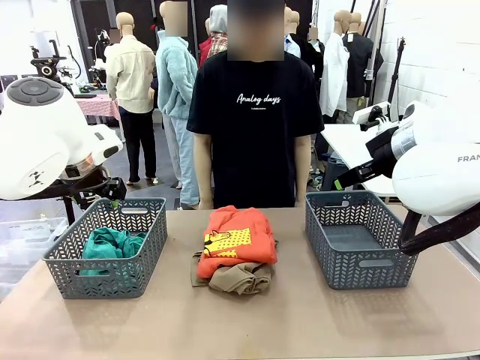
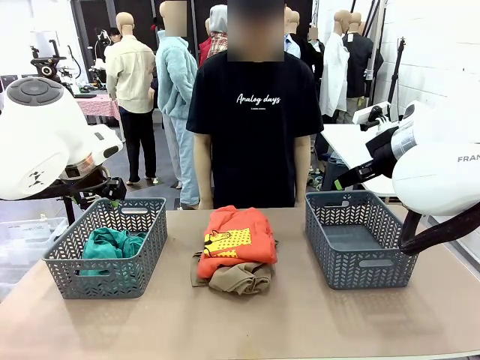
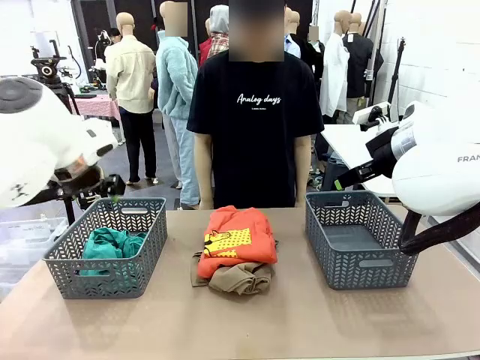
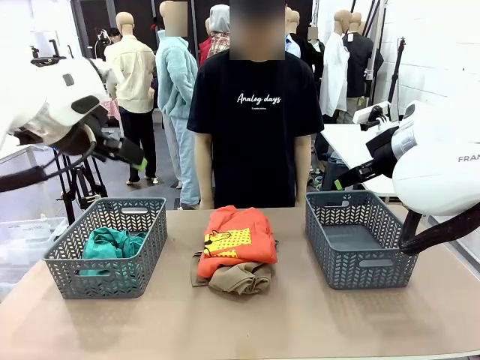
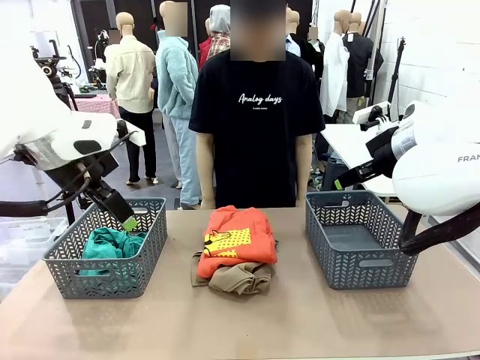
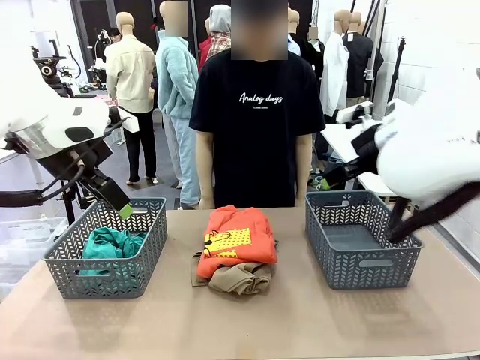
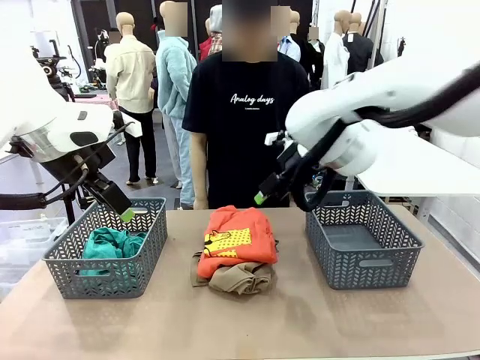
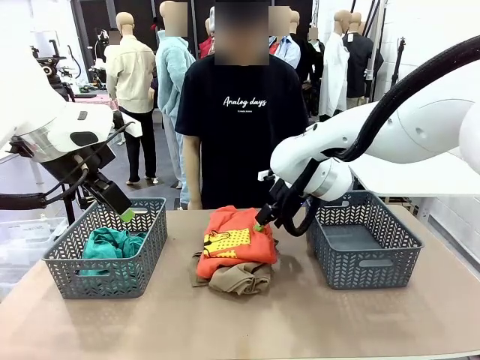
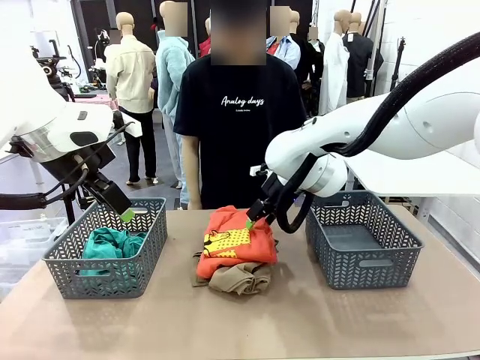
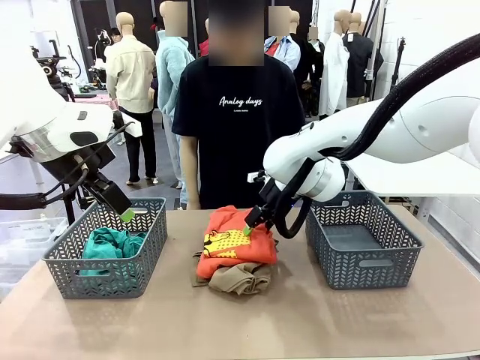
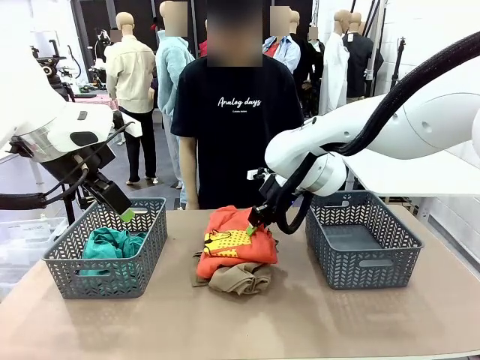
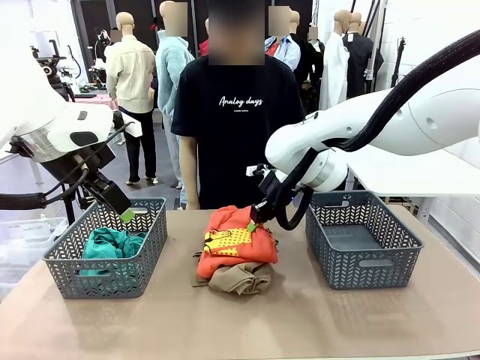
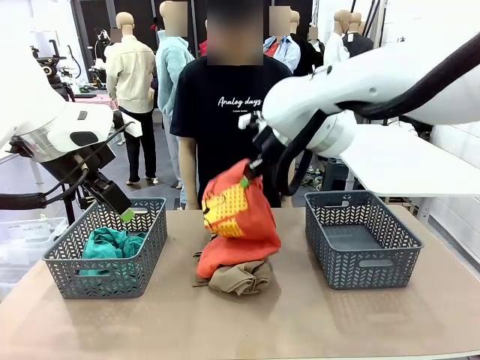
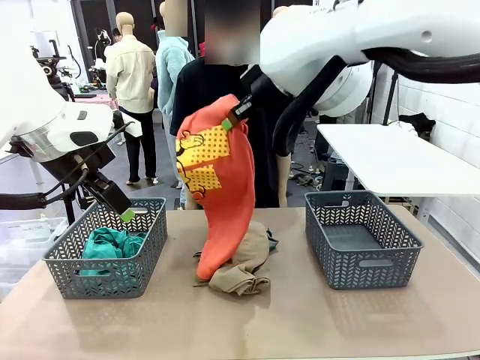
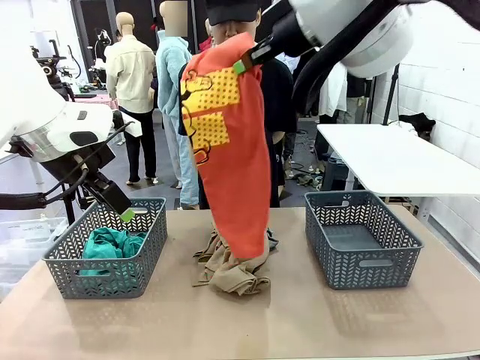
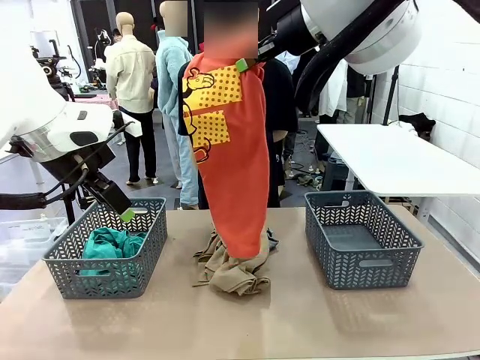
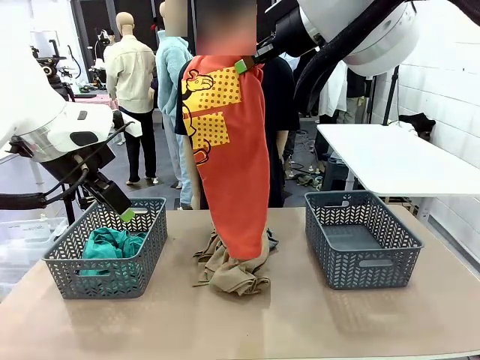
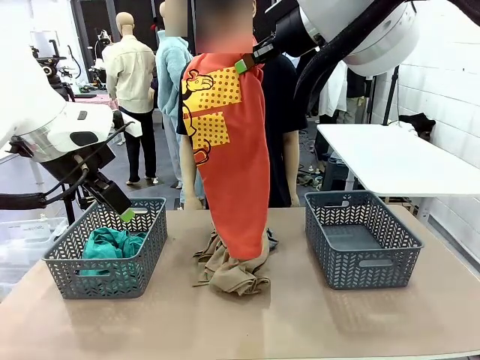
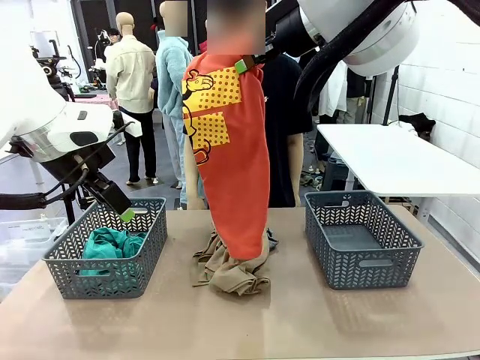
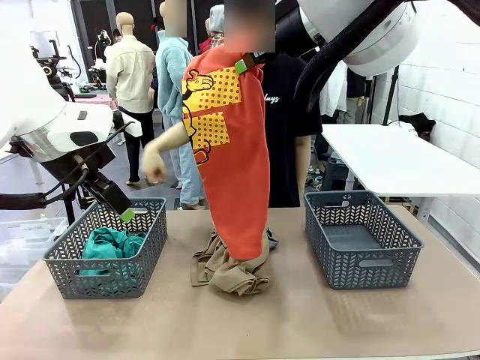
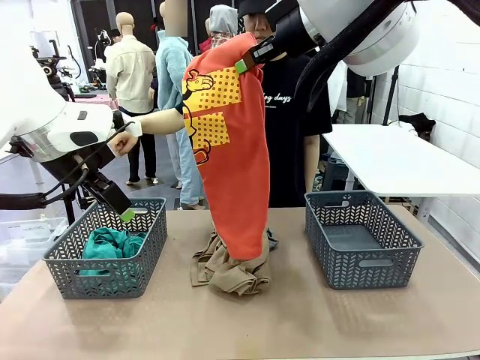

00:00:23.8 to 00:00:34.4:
Task: Sort the tops and bottoms.
Robot: Lift clothes from the center of the table with your right hand.

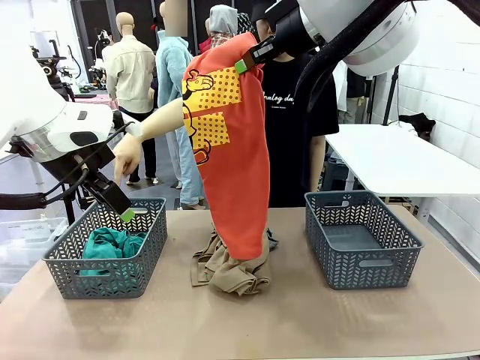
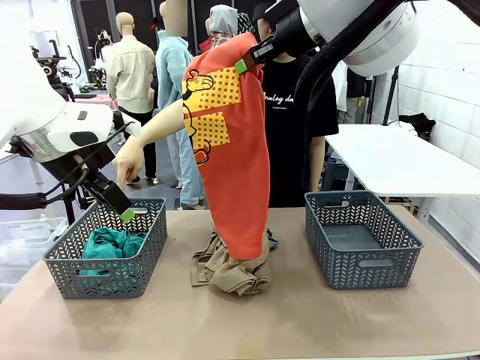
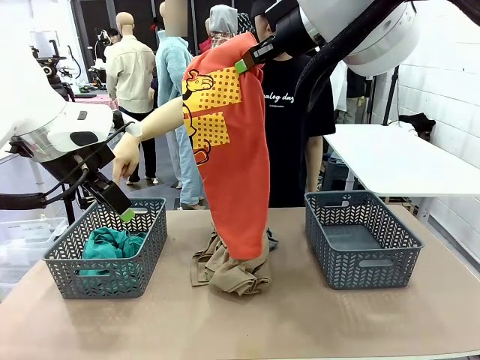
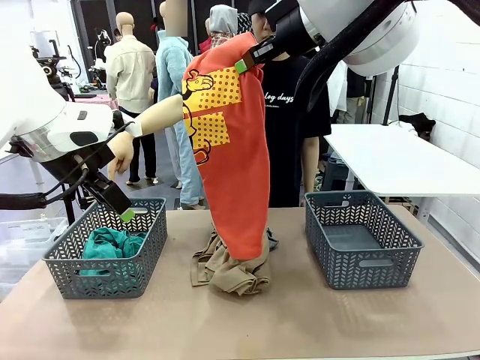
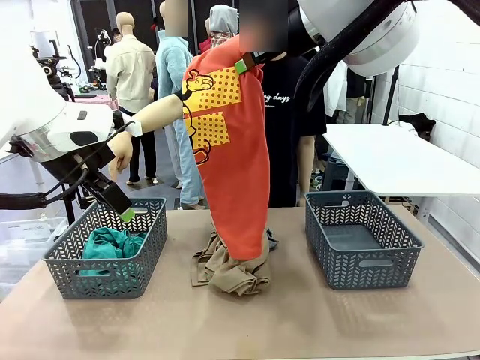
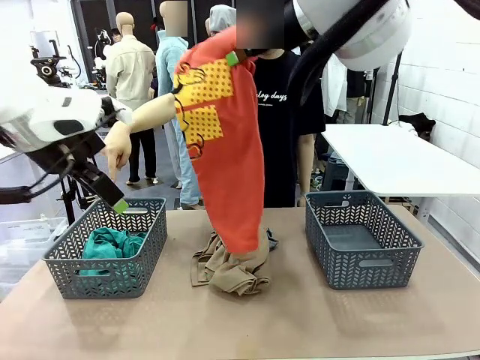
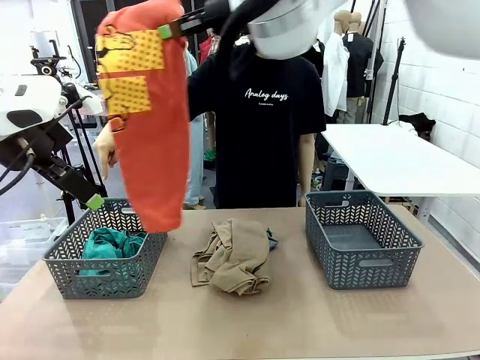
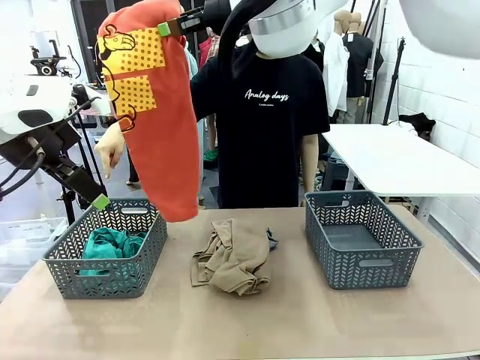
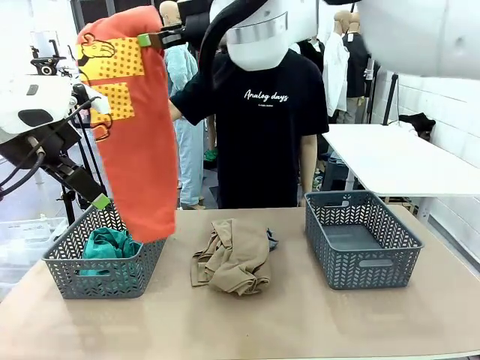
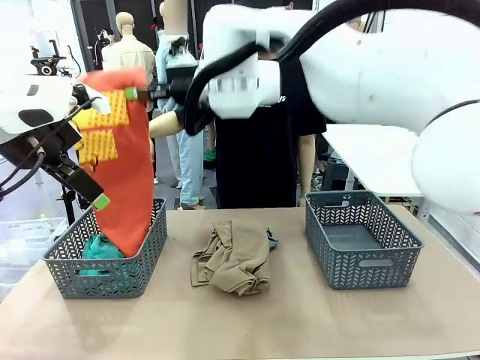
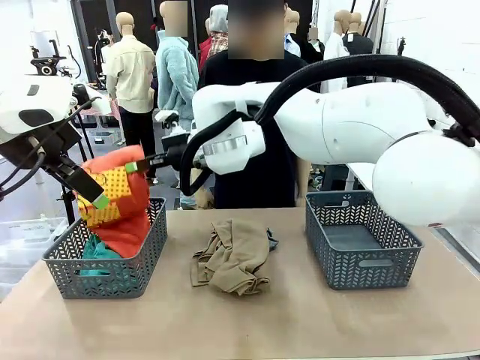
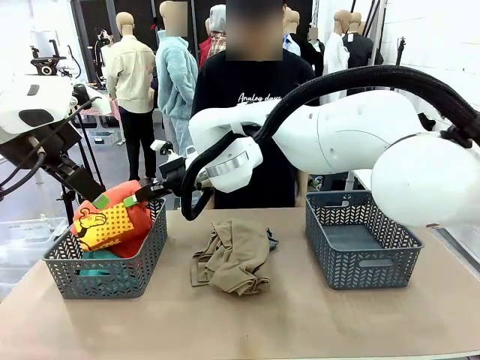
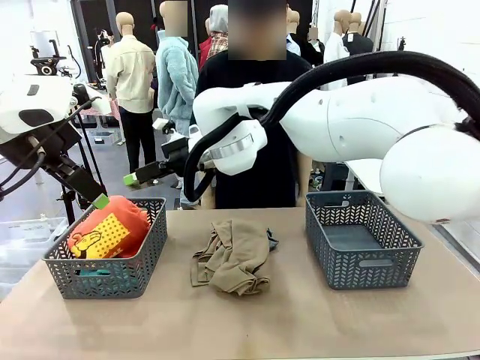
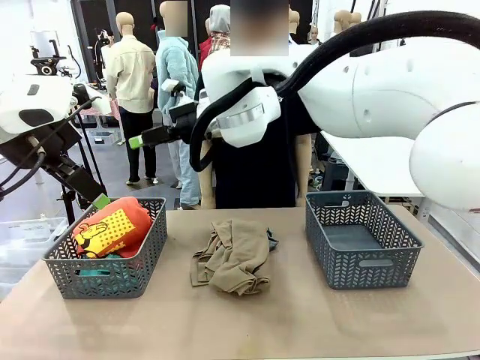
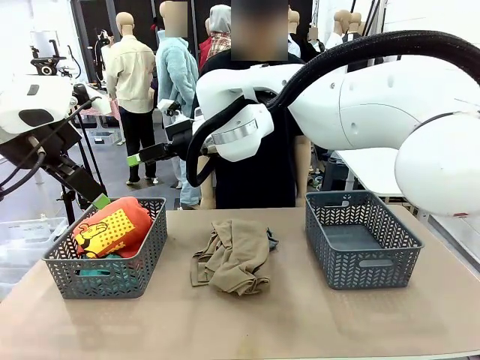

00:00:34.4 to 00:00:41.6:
Robot: Sort the clothes according to human instructions.

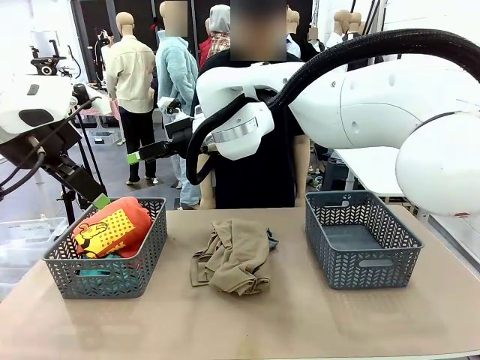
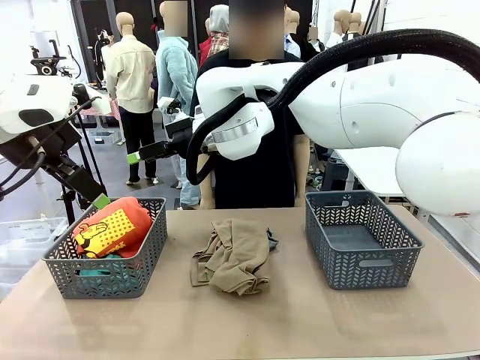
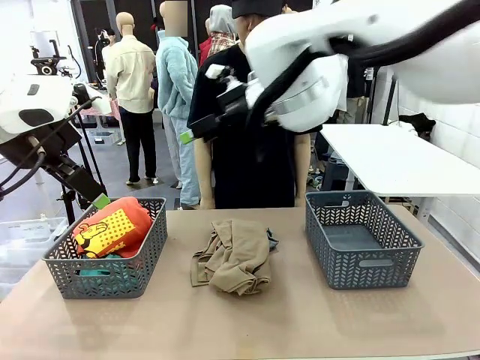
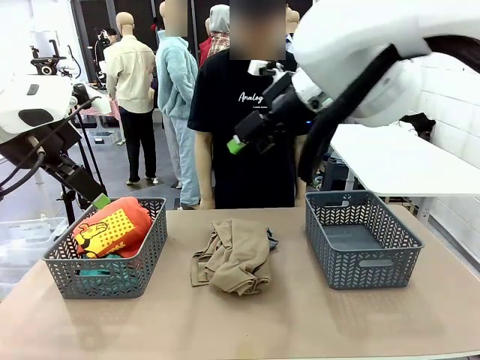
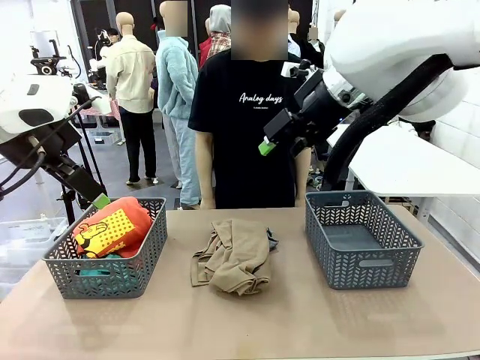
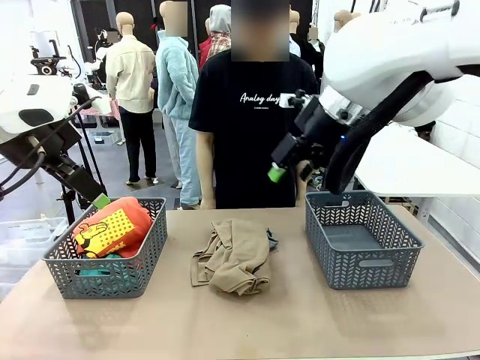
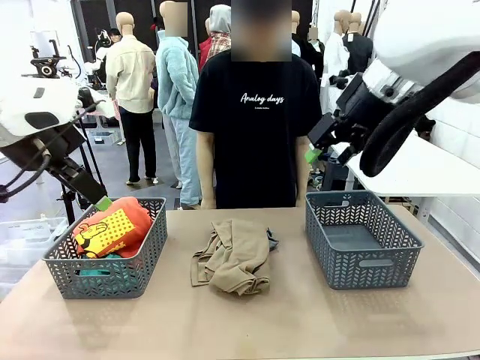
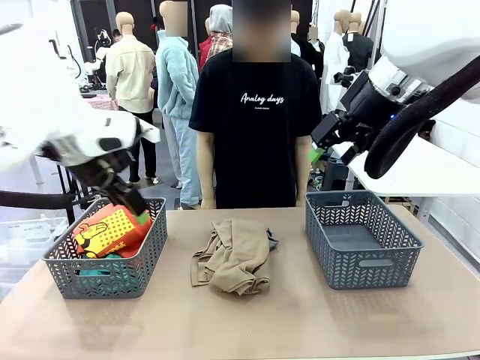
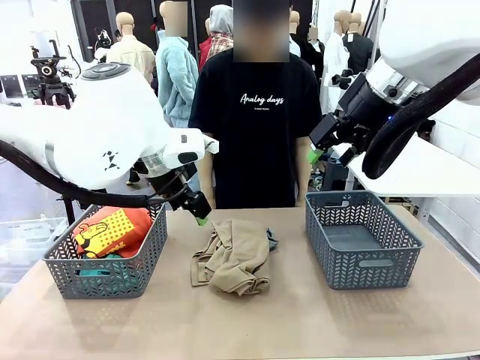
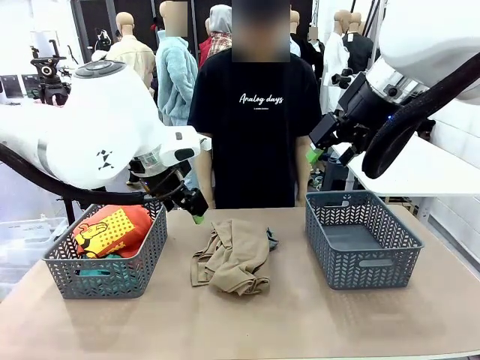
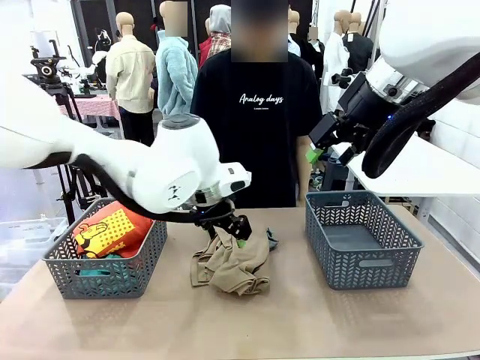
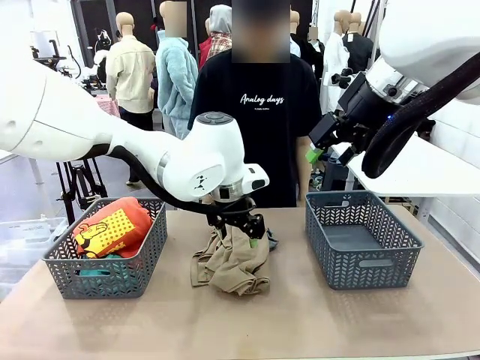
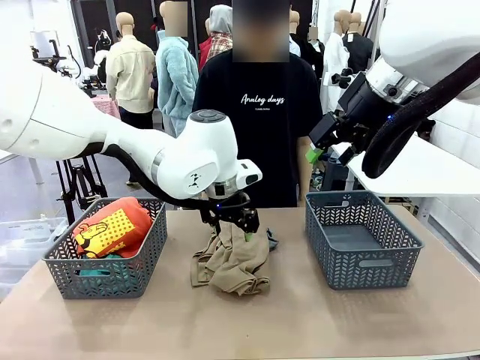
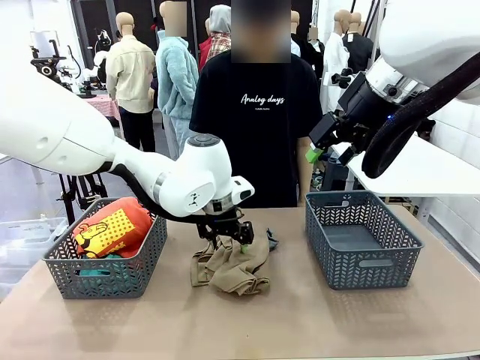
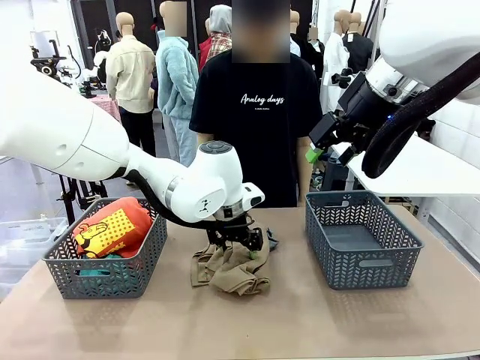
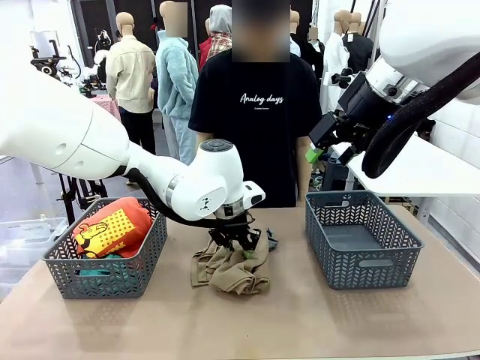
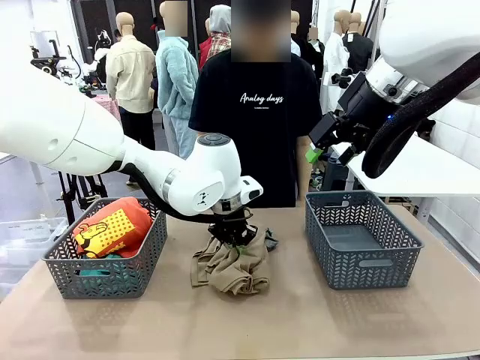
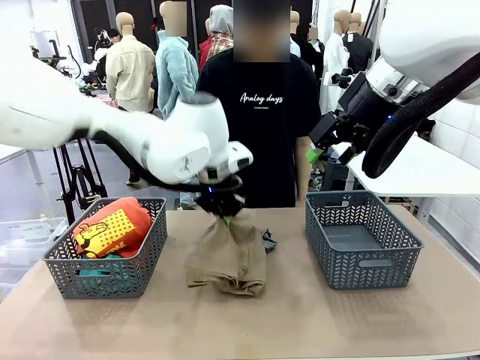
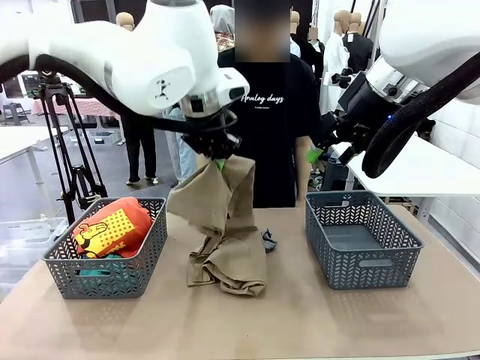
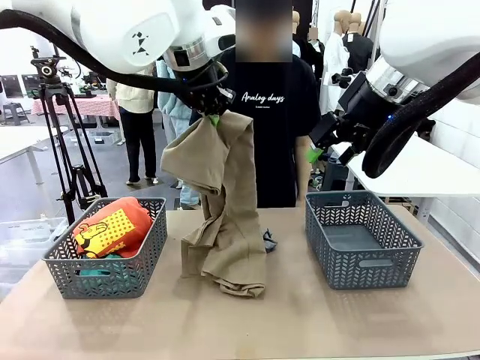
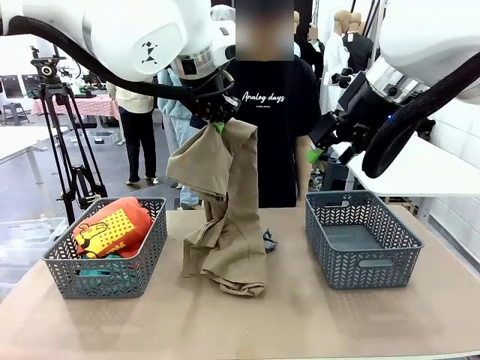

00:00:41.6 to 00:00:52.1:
Robot: Lift clothes from the center of the table with your left hand.
